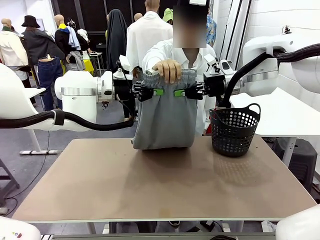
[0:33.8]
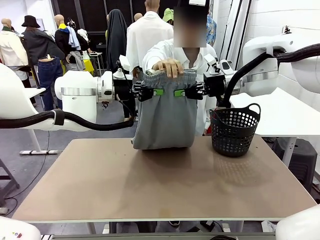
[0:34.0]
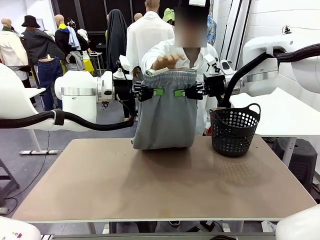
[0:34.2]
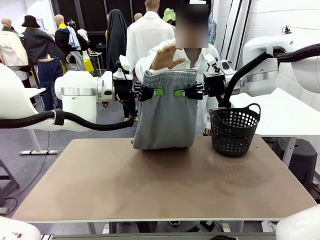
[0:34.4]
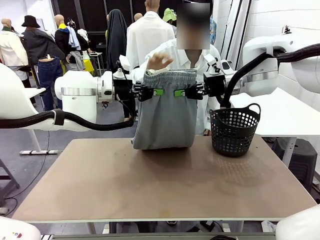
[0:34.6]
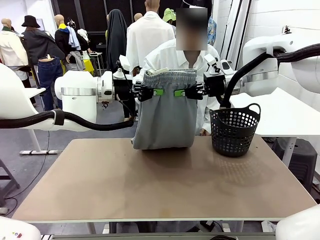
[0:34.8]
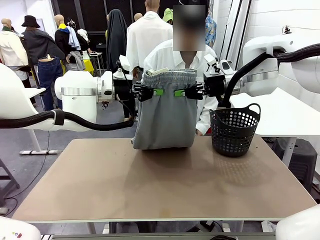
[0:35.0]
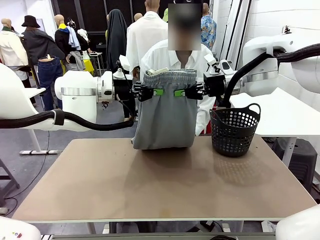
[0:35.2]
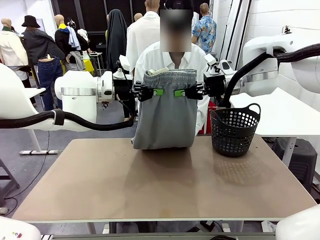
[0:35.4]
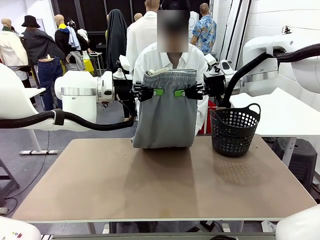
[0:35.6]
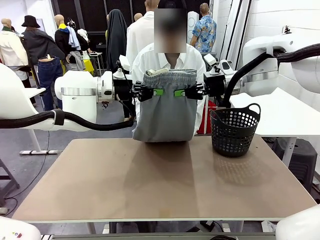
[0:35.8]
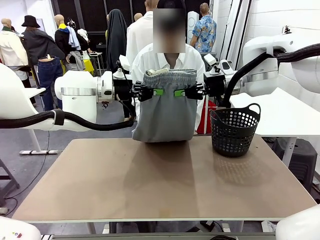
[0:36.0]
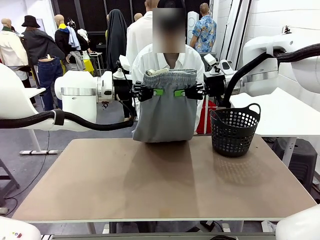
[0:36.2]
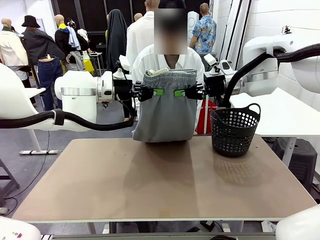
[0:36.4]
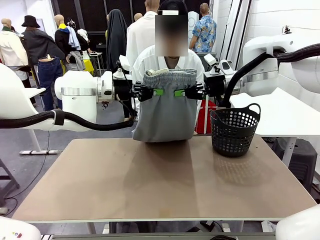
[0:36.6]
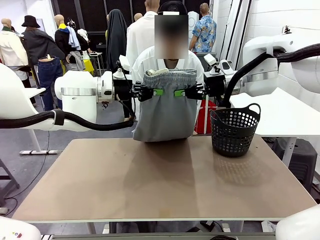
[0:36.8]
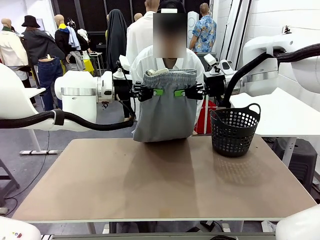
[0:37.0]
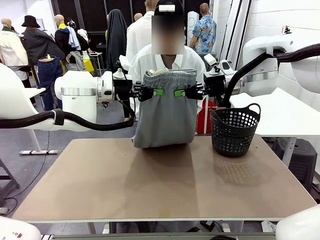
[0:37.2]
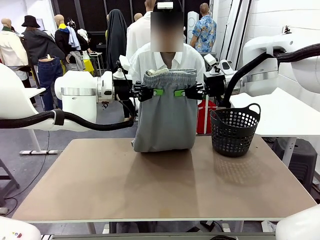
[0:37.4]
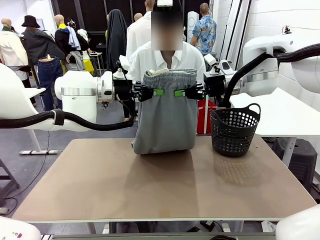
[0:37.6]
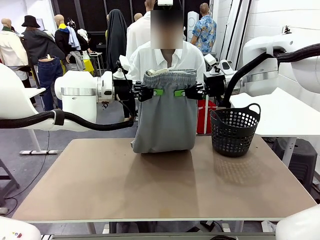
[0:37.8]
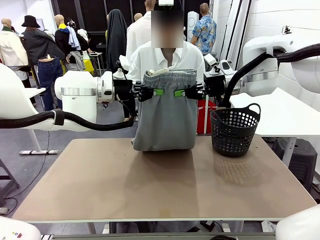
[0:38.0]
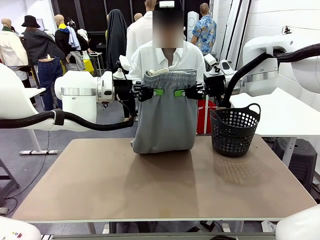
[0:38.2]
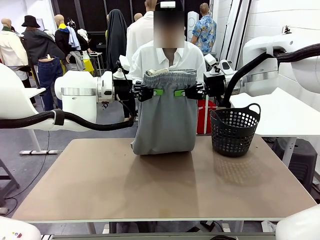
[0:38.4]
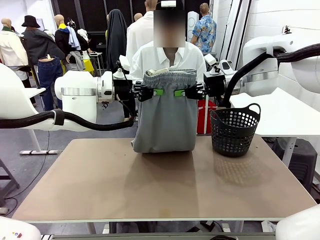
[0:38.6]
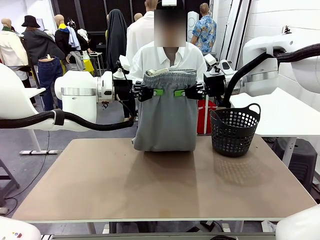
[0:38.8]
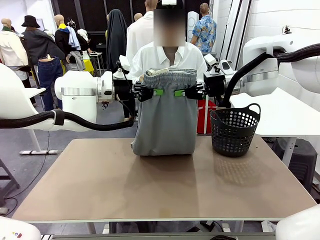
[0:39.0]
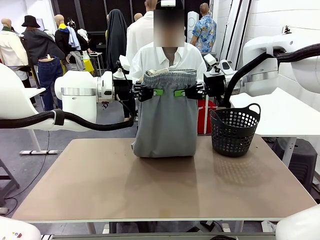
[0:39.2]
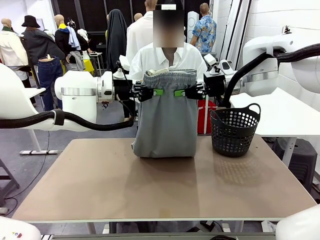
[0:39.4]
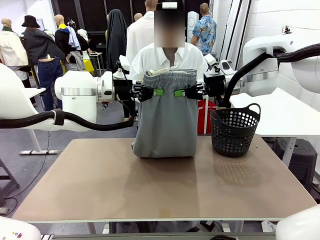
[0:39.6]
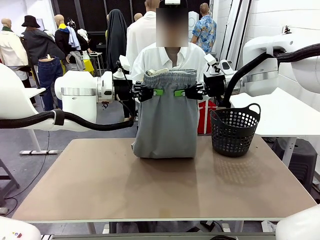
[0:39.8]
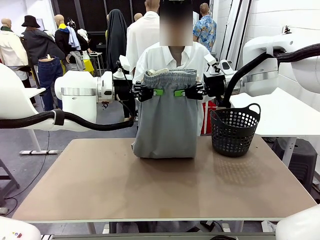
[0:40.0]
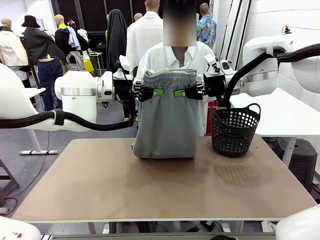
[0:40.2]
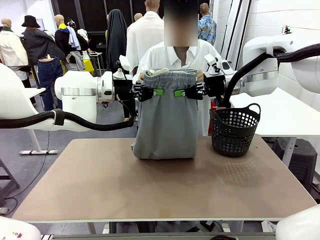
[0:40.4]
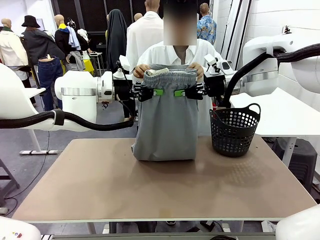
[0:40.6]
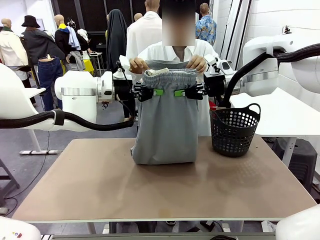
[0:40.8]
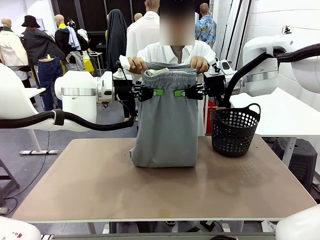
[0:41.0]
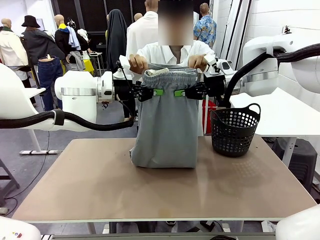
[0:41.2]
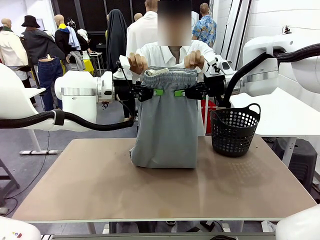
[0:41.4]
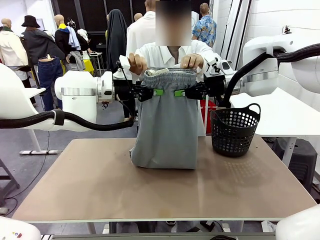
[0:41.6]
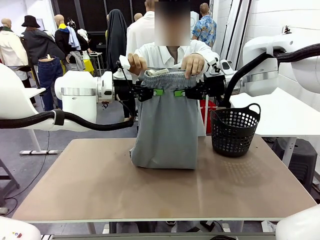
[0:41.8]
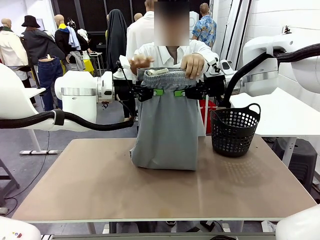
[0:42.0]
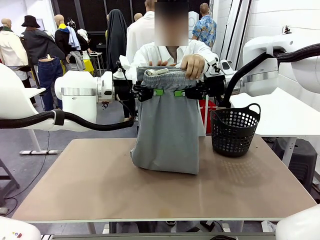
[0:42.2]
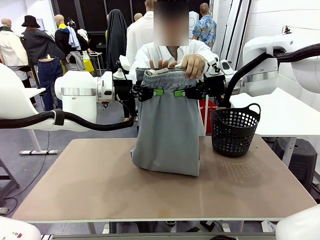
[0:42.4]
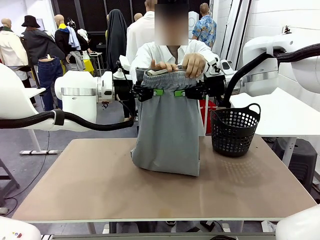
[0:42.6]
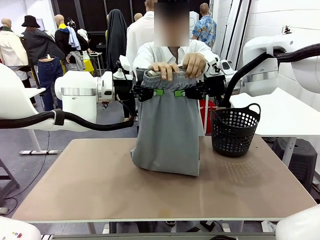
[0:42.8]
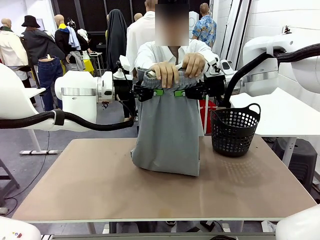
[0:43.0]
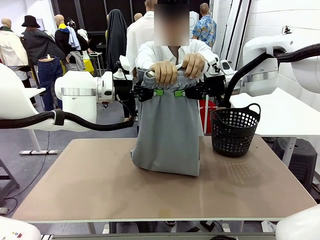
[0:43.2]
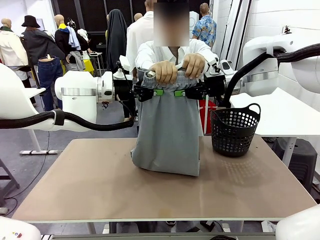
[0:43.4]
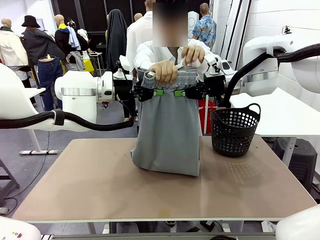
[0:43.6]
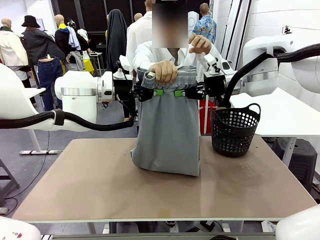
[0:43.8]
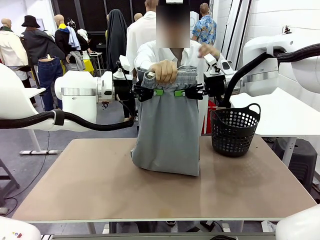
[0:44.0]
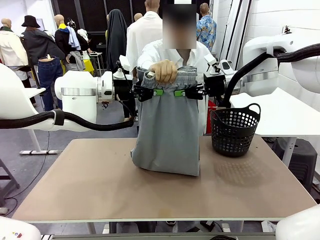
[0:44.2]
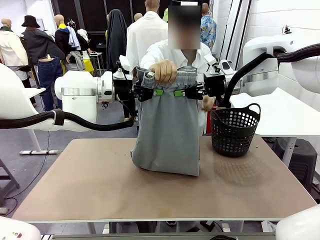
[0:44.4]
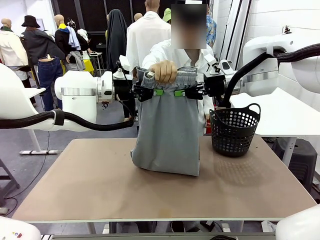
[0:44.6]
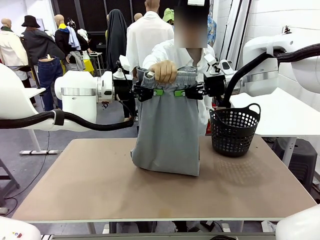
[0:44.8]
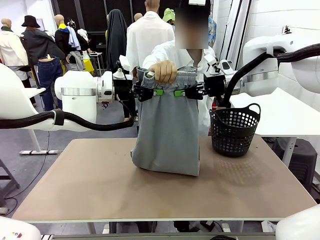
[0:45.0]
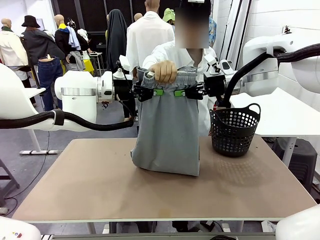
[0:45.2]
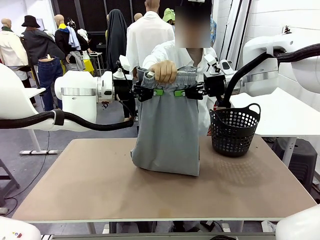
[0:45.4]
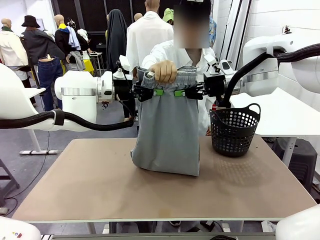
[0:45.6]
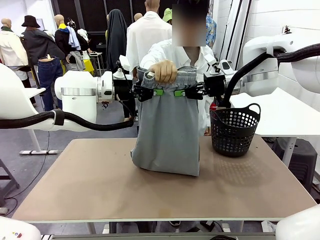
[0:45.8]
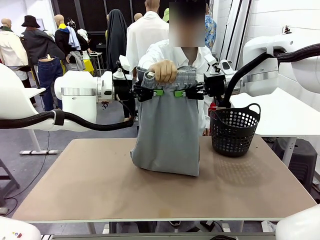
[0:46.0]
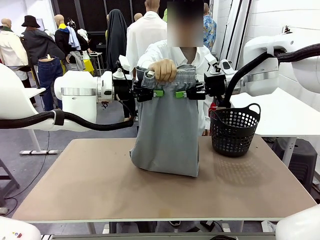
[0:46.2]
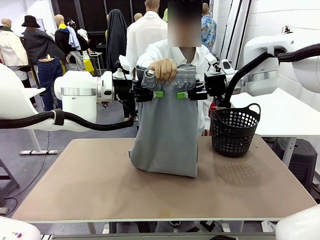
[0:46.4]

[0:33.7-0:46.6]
Task: Fold the training pants.
Robot: Release the ends of the Training pants and then grab the overlapped ends.

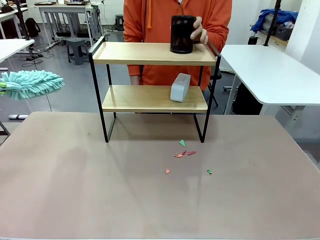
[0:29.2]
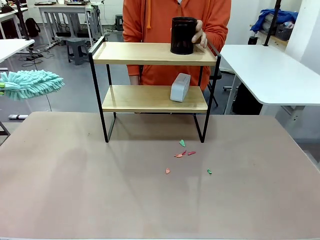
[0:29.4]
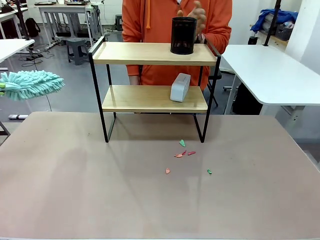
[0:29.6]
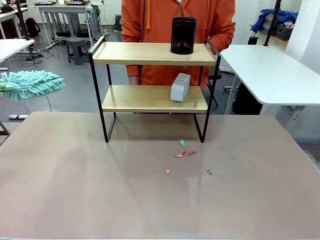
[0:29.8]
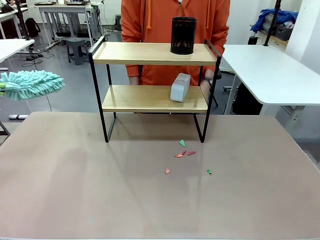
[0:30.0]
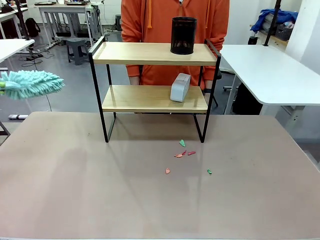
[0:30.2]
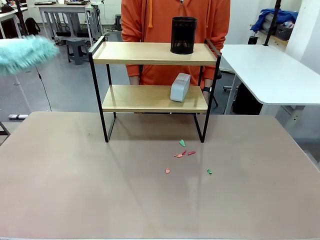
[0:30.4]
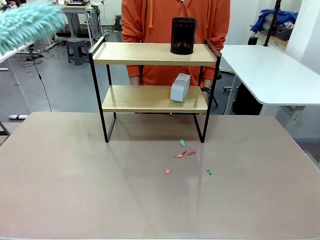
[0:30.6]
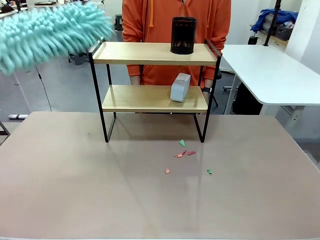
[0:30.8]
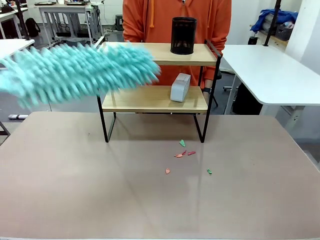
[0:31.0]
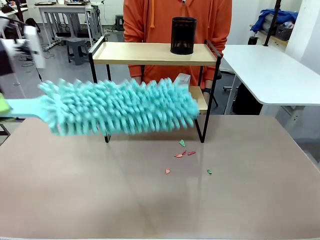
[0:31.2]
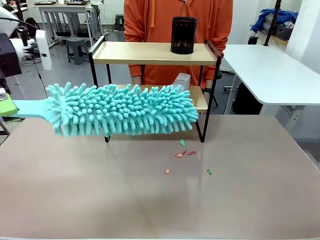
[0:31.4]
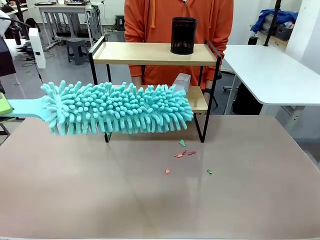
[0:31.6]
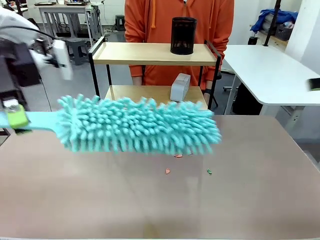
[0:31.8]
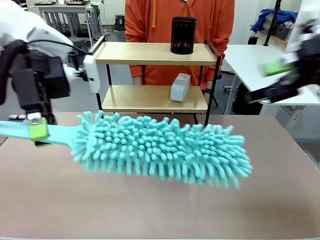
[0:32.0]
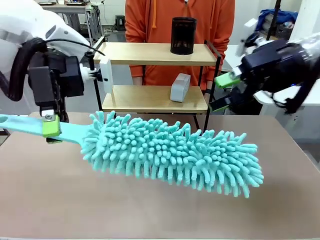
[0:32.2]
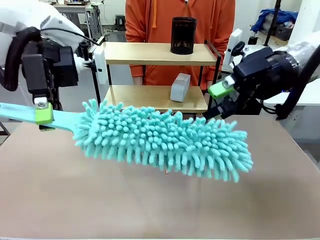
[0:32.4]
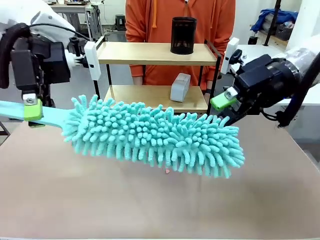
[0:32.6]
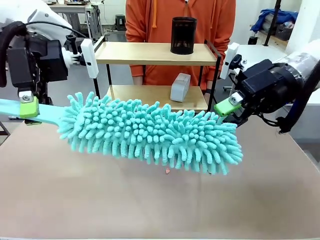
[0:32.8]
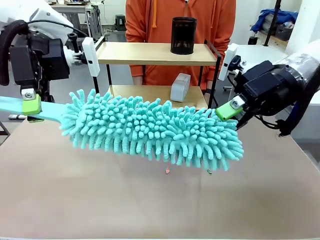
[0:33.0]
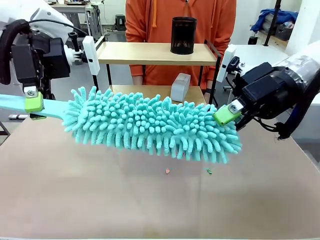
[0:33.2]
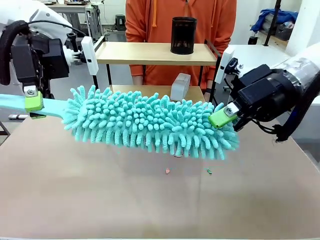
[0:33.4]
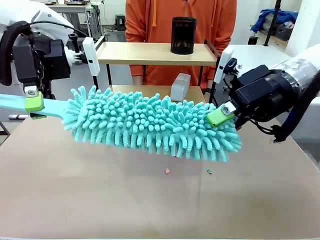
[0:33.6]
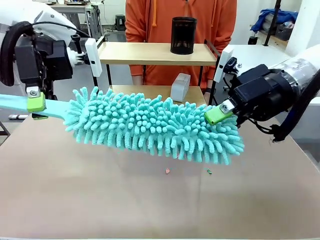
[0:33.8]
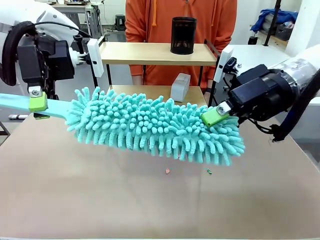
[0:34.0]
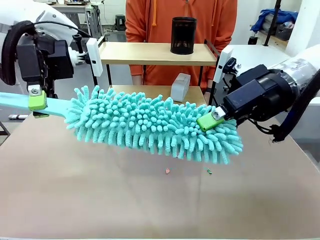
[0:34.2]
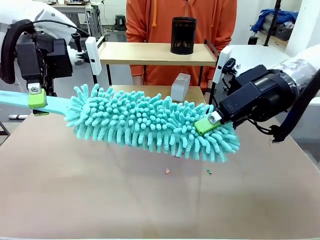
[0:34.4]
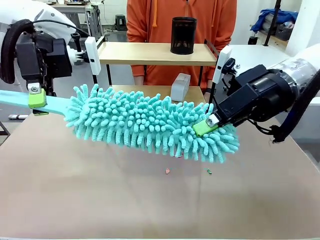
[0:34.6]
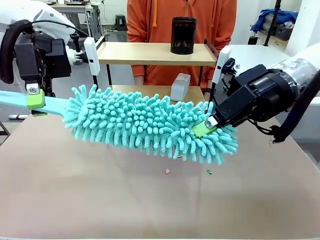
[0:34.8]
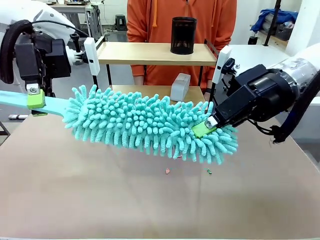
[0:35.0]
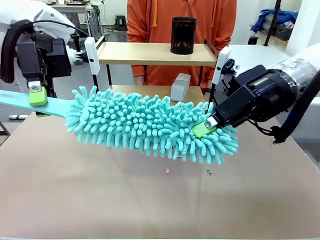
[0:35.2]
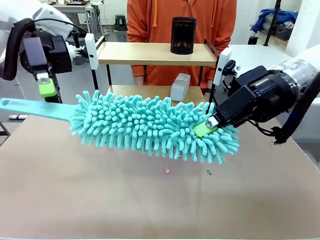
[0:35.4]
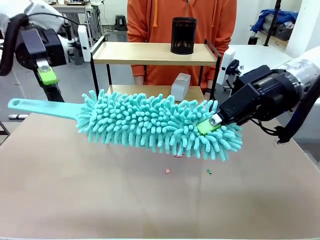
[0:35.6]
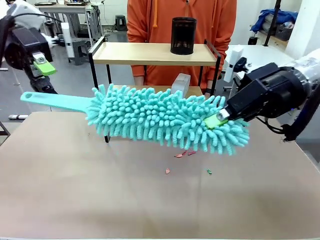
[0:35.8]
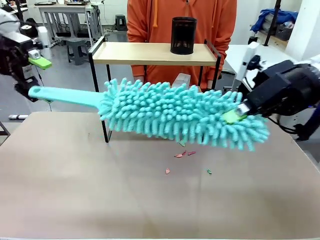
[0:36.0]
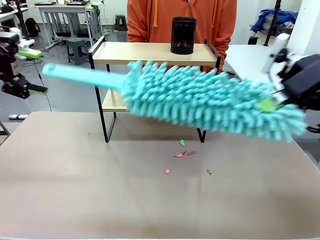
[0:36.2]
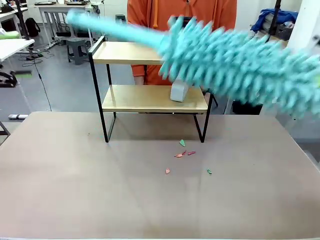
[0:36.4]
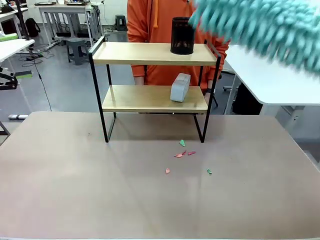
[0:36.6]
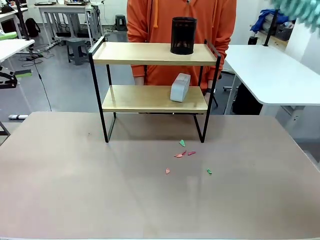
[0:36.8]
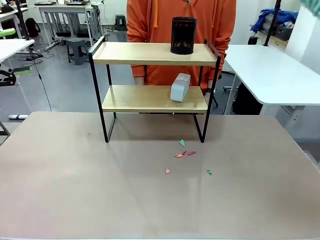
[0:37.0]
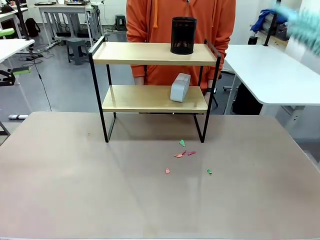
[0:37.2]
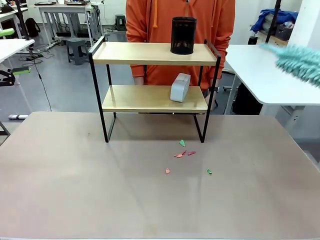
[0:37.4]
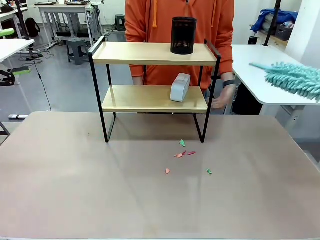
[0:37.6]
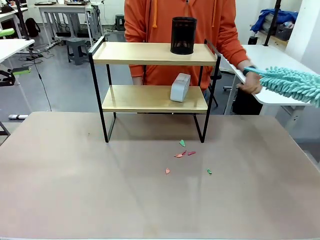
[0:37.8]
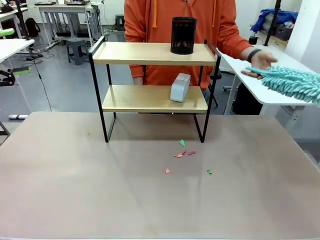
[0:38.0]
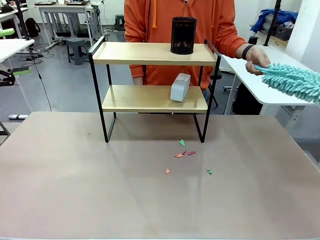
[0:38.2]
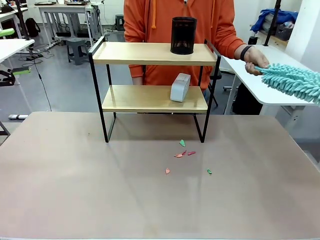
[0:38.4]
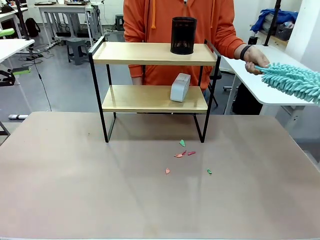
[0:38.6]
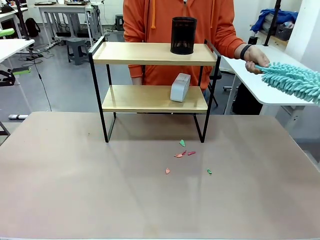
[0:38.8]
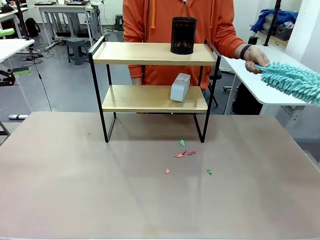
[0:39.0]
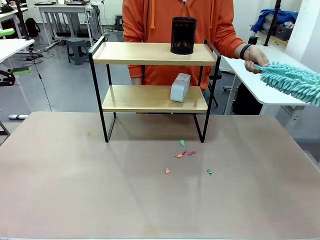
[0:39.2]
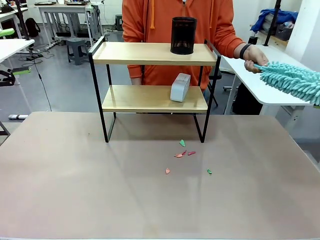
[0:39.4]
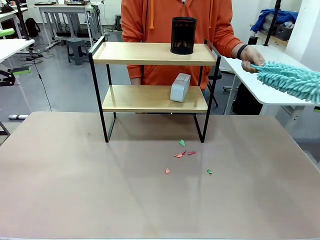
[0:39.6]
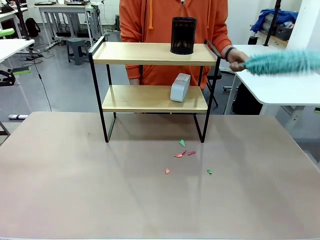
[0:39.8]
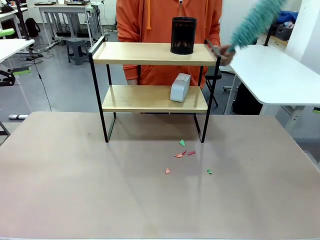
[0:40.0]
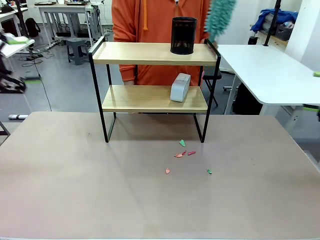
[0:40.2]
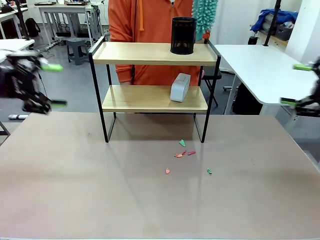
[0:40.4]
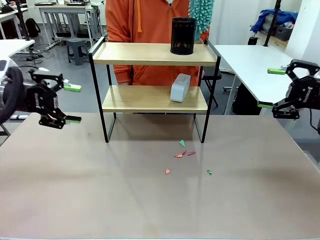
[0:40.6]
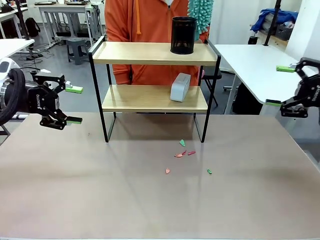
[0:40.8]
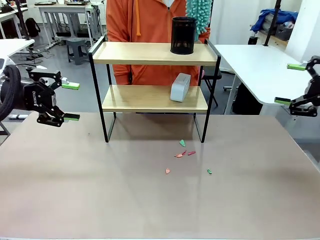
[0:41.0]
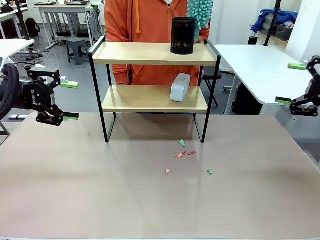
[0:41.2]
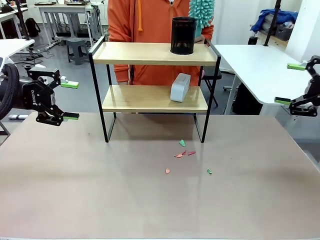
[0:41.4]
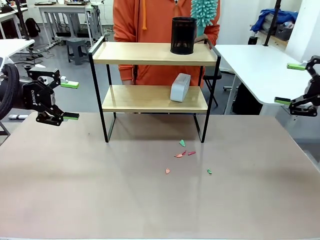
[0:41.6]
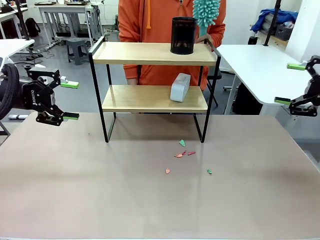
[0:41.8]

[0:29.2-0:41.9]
Task: Clean the shelf.
Robot: Hand the Duster back to the human.
Person: Receive the Duster from the robot.
